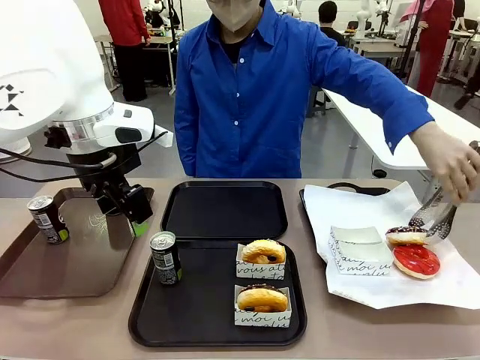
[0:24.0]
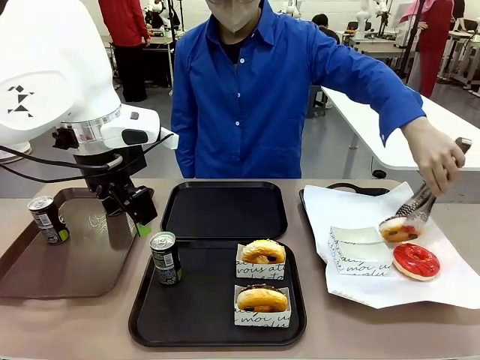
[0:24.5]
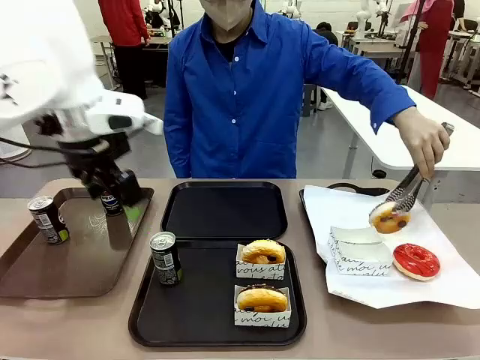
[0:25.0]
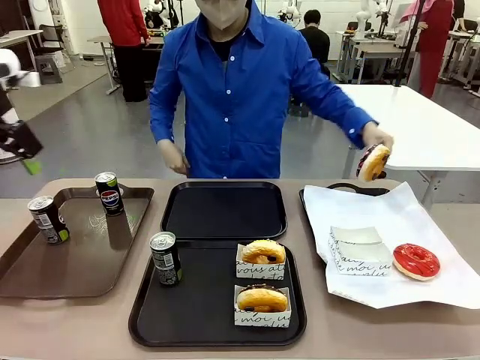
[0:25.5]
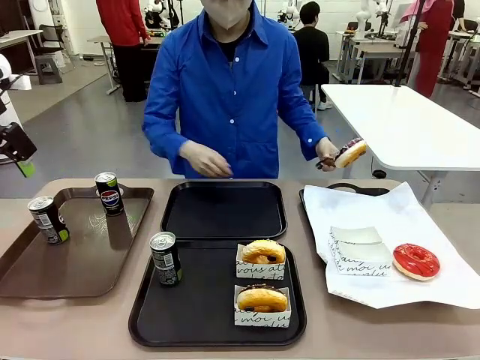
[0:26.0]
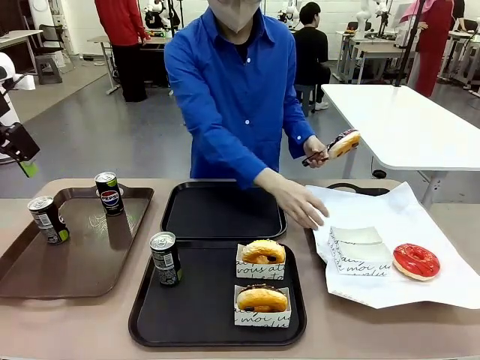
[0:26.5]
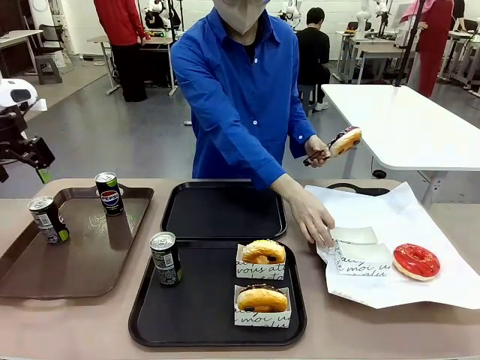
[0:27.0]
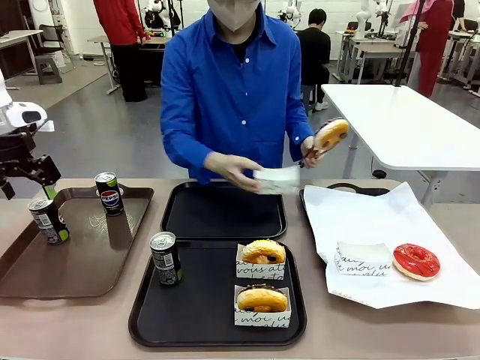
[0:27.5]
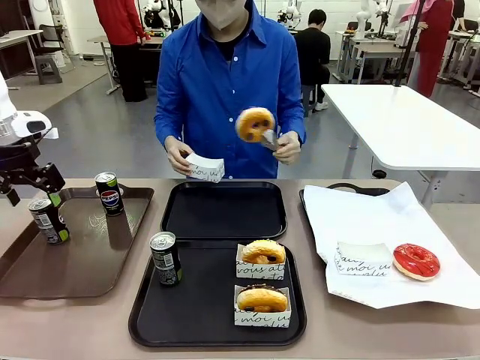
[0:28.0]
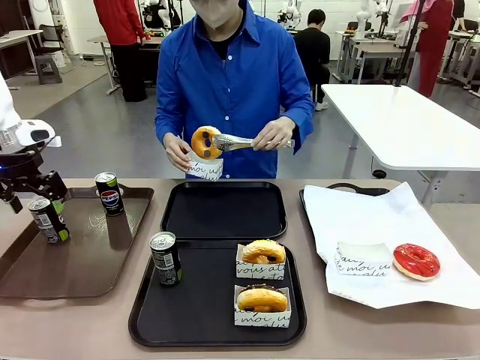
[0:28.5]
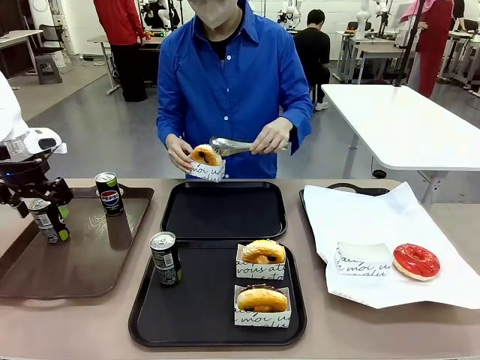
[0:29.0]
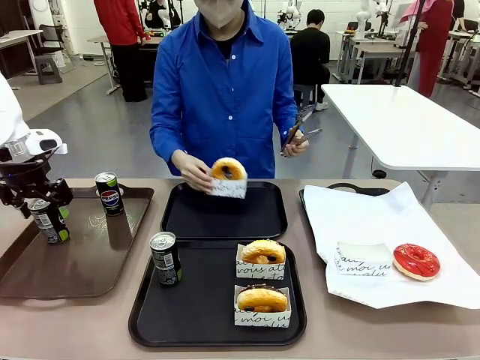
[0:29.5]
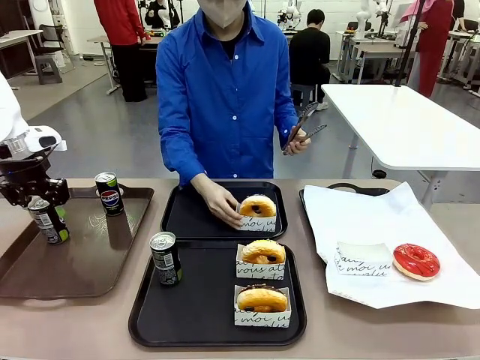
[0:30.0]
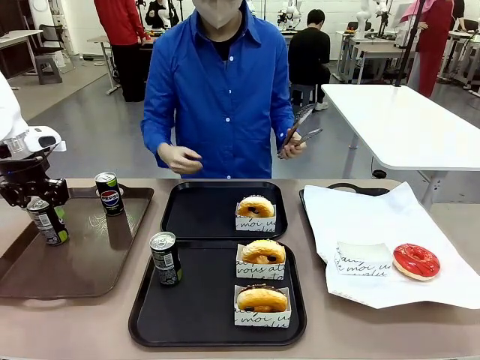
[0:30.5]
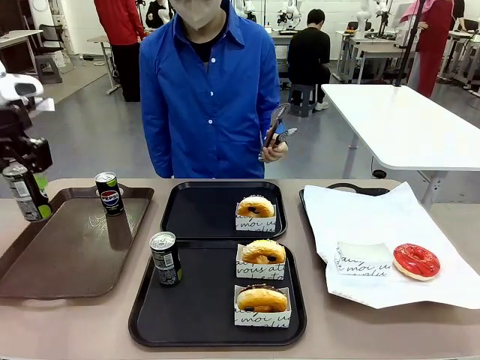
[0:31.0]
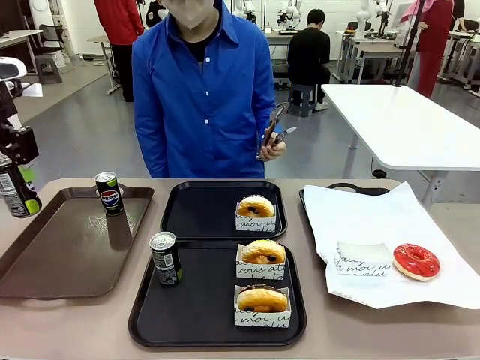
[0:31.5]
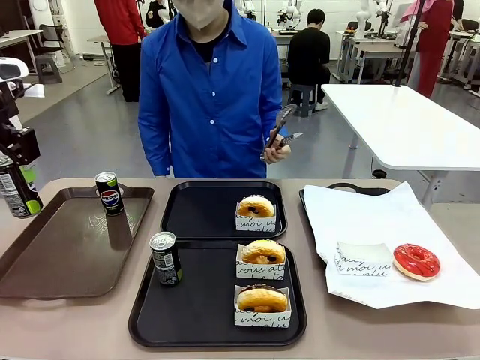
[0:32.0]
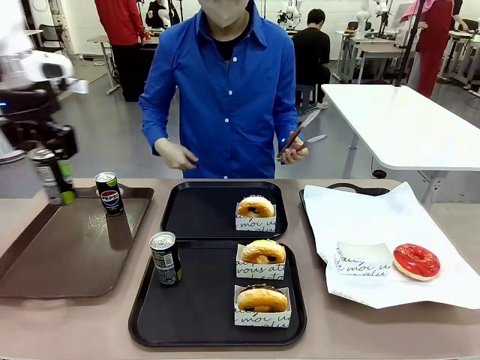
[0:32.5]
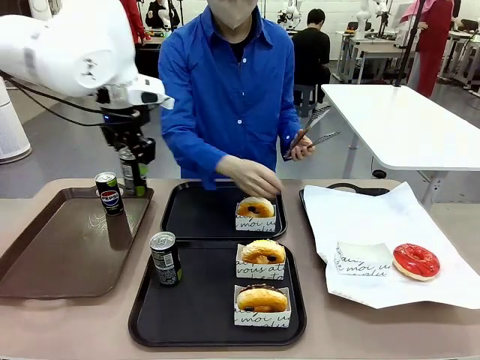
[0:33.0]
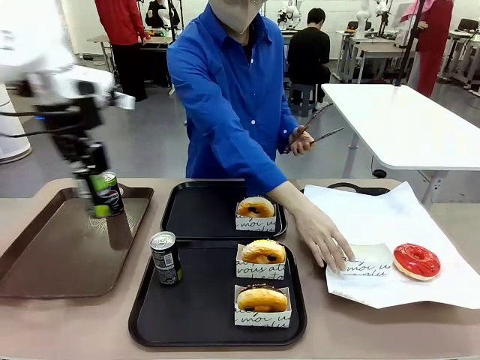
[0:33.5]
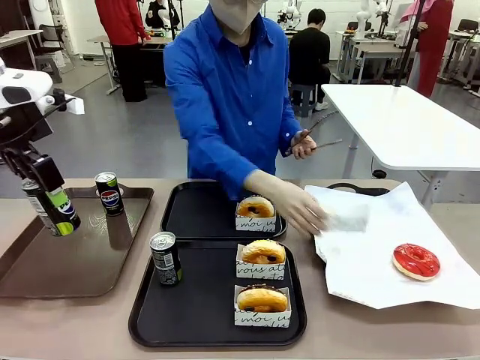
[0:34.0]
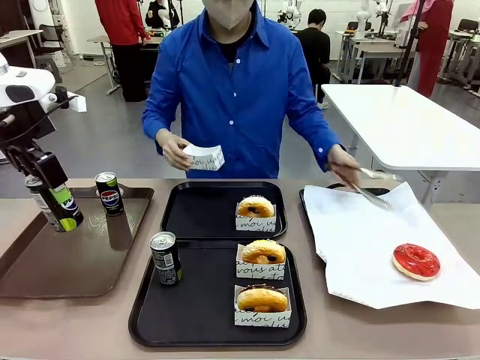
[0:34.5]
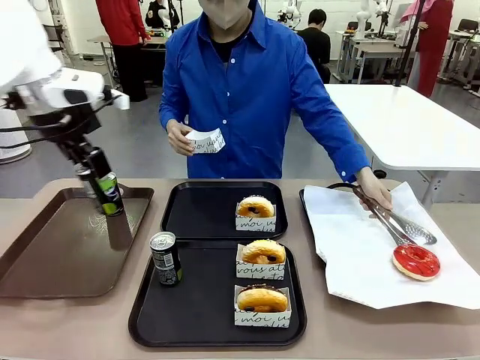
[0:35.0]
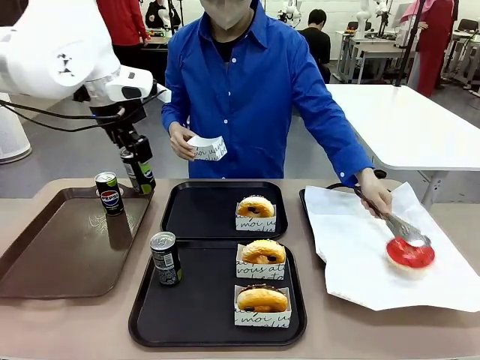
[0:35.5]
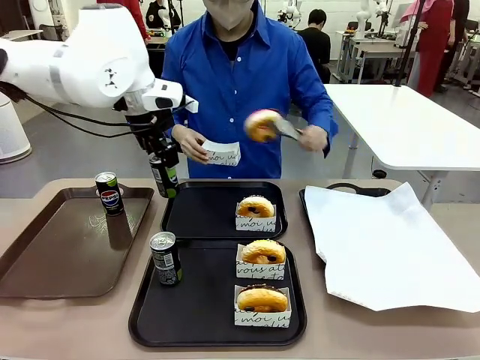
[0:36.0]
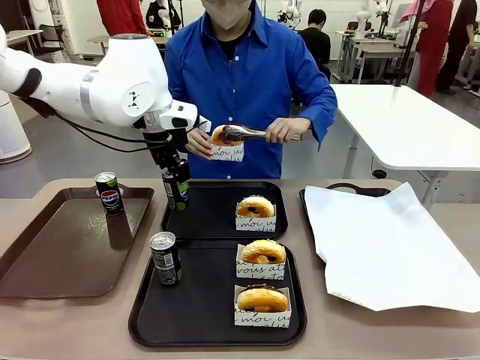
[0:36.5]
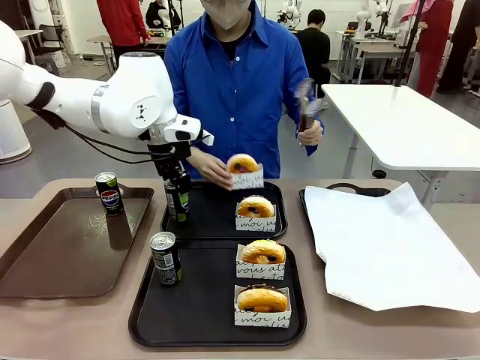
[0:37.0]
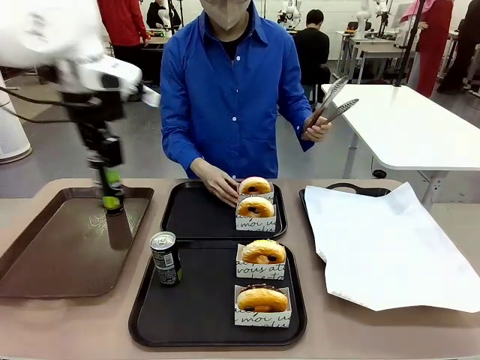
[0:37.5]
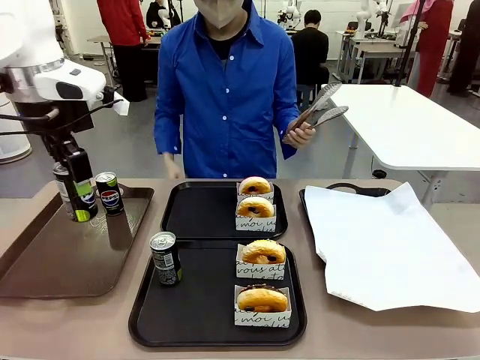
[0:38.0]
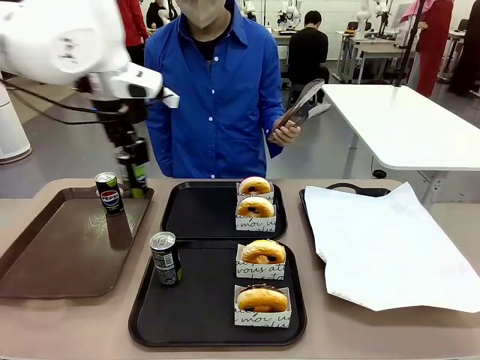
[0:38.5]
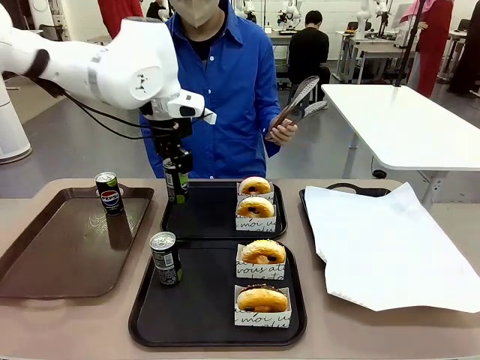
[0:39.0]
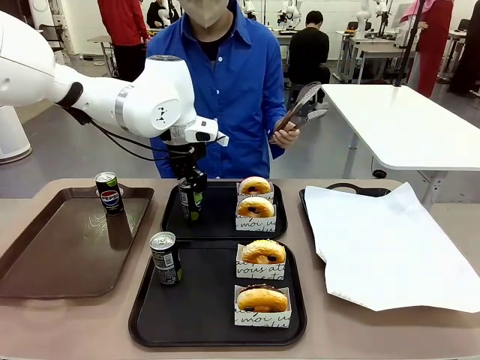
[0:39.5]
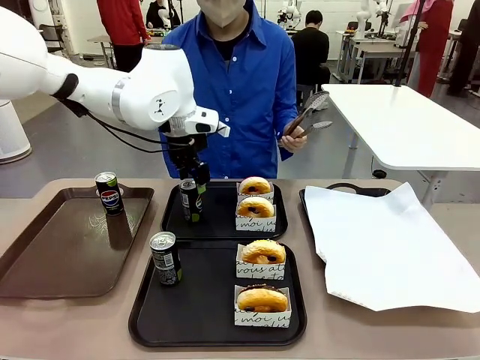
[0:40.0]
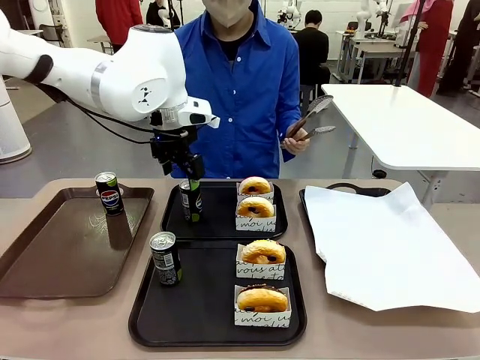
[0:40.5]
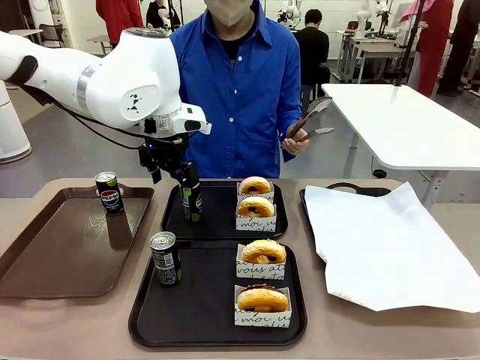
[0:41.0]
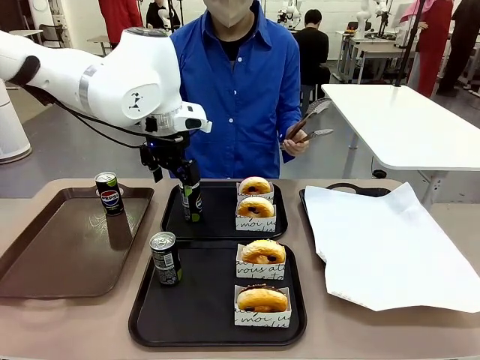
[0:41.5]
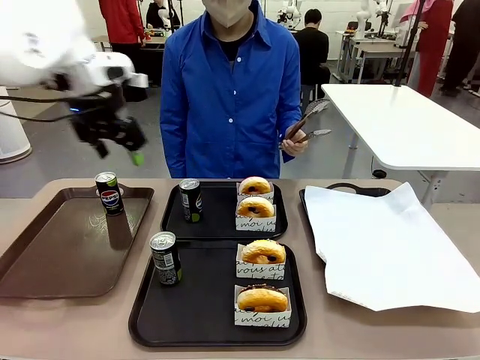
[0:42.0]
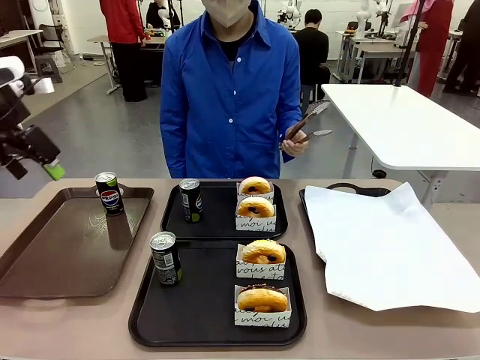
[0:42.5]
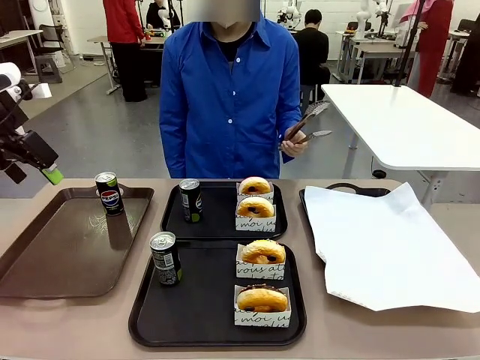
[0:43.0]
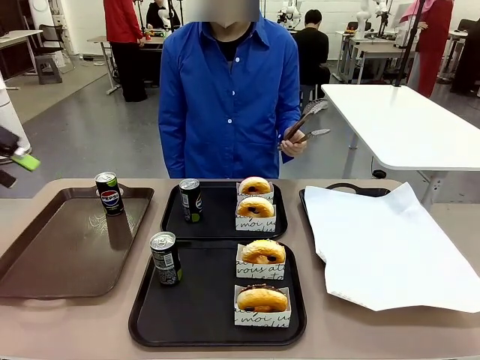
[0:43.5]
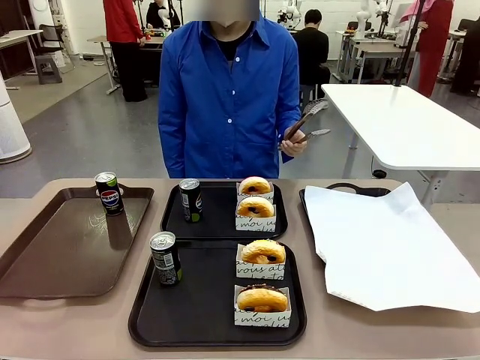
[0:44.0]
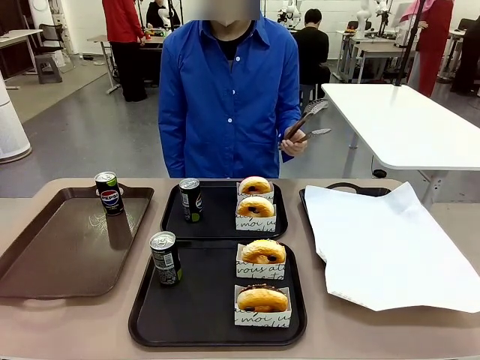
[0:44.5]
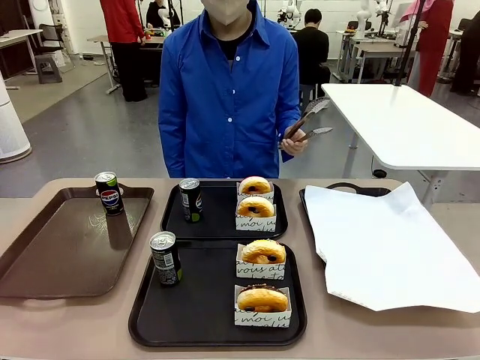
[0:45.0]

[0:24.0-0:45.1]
Task: Set up donuts and drinks on trays.
Robot: Pick up one Pepsi coke from the Handle tray and place it on the Flat Tray without a Pepsi coke.
